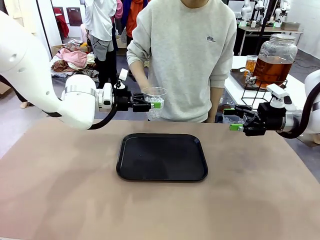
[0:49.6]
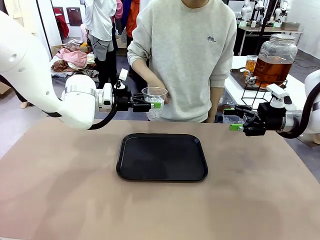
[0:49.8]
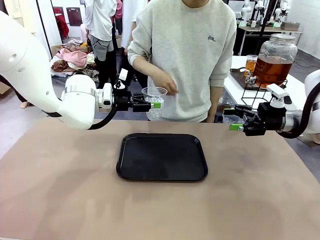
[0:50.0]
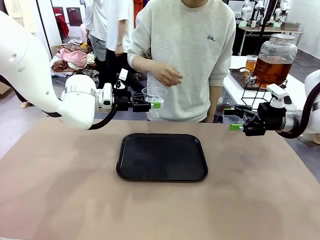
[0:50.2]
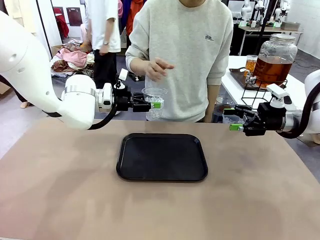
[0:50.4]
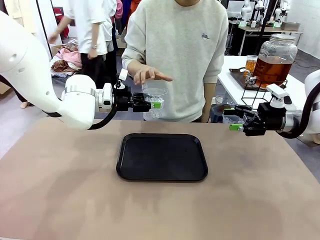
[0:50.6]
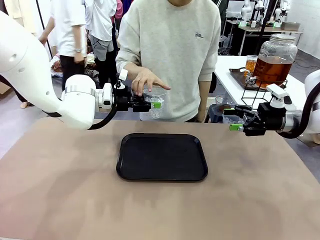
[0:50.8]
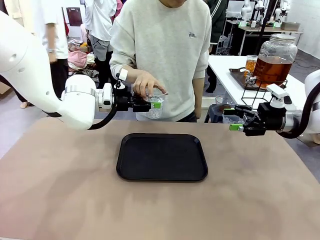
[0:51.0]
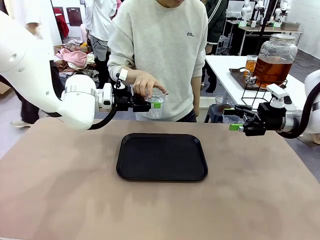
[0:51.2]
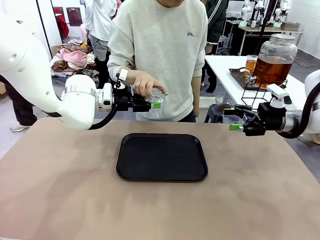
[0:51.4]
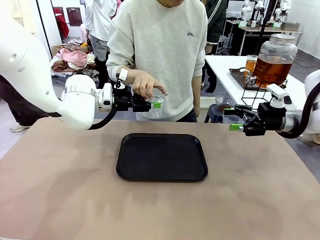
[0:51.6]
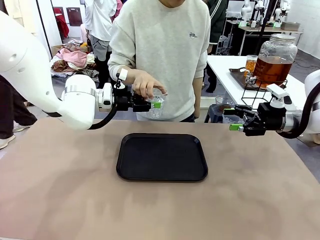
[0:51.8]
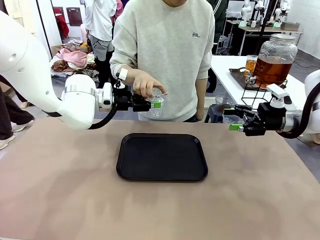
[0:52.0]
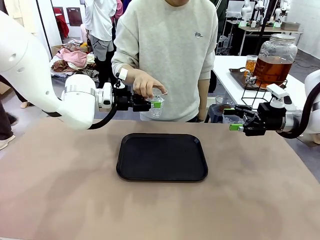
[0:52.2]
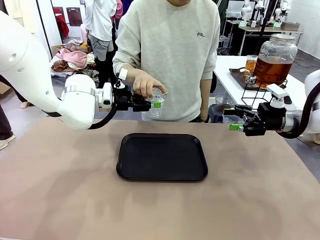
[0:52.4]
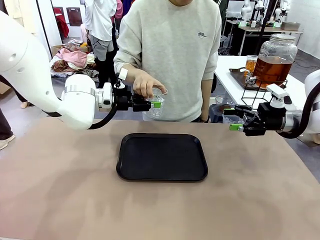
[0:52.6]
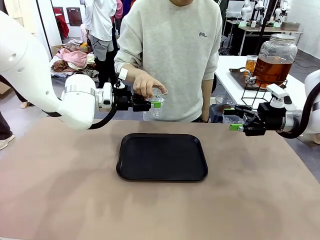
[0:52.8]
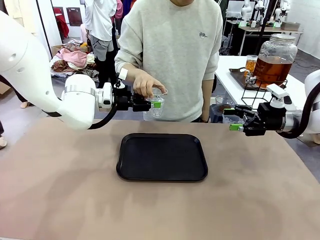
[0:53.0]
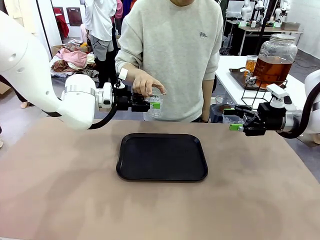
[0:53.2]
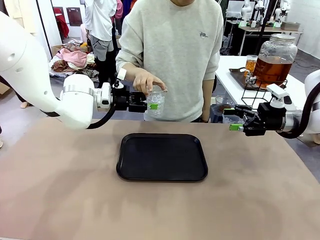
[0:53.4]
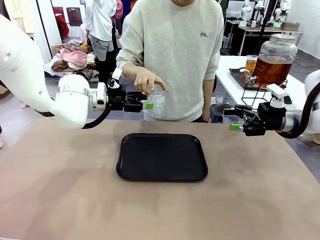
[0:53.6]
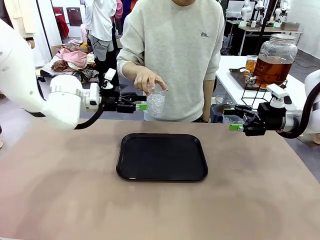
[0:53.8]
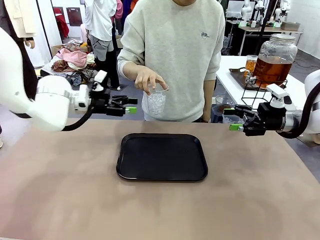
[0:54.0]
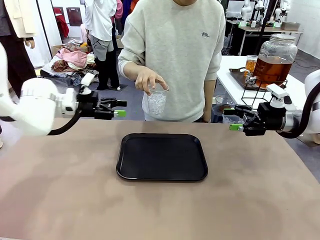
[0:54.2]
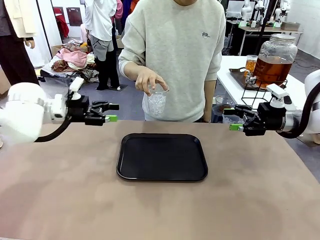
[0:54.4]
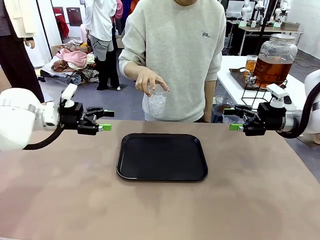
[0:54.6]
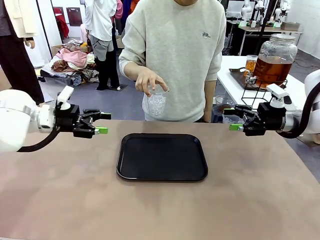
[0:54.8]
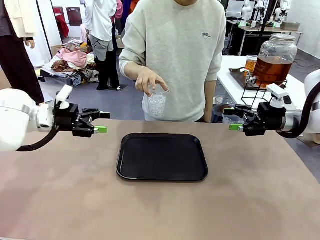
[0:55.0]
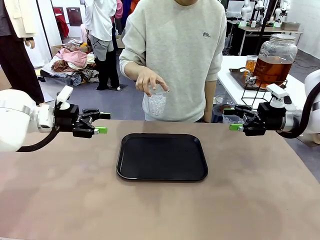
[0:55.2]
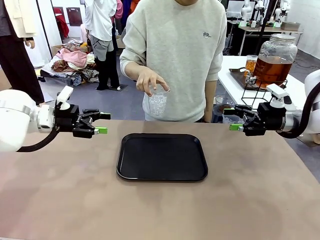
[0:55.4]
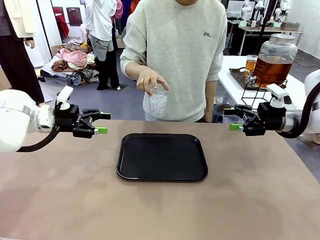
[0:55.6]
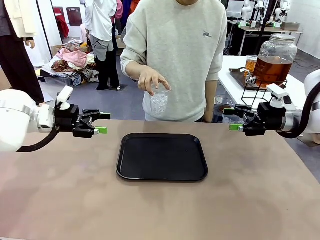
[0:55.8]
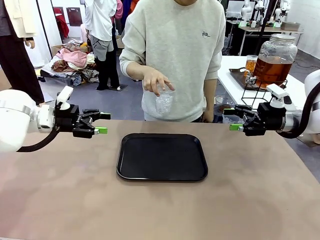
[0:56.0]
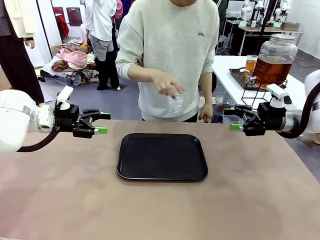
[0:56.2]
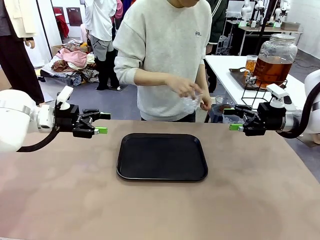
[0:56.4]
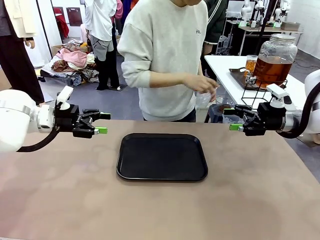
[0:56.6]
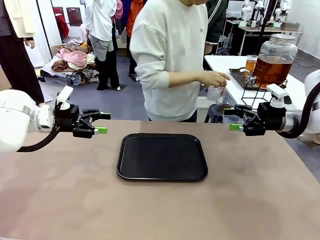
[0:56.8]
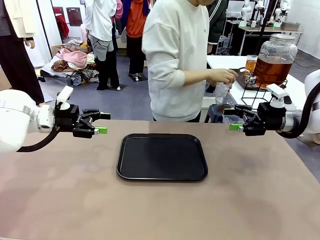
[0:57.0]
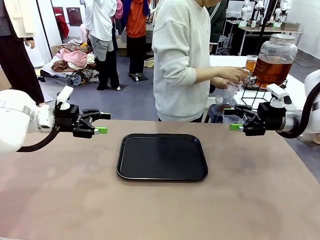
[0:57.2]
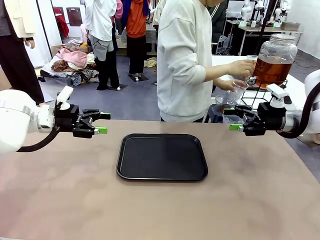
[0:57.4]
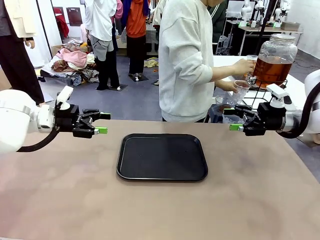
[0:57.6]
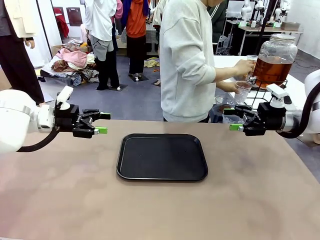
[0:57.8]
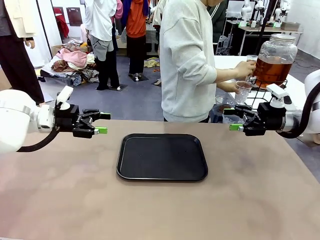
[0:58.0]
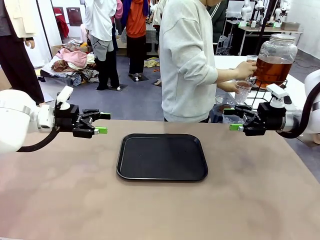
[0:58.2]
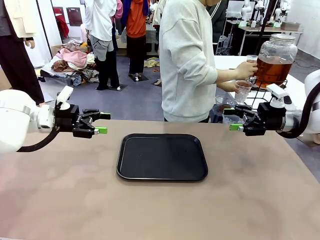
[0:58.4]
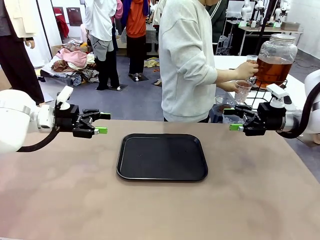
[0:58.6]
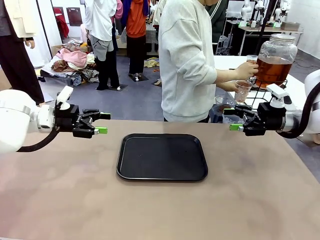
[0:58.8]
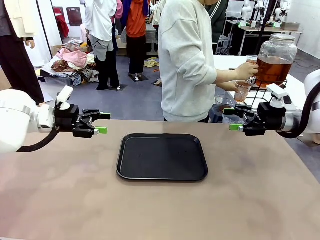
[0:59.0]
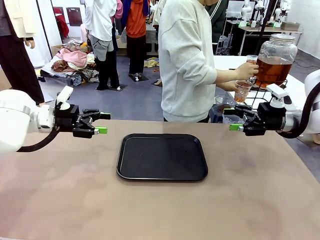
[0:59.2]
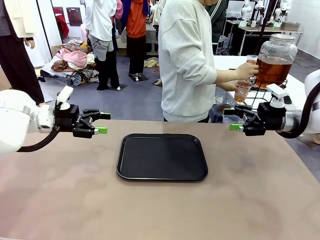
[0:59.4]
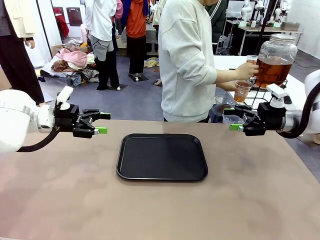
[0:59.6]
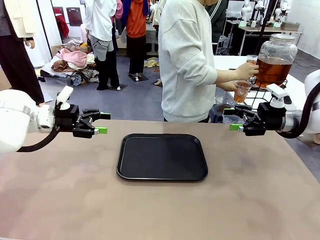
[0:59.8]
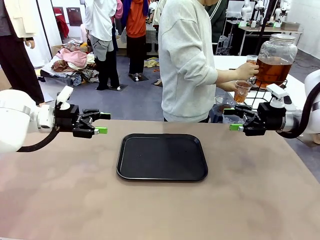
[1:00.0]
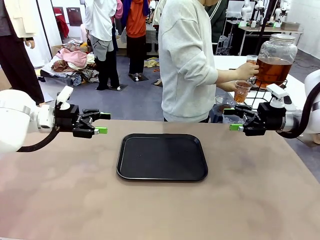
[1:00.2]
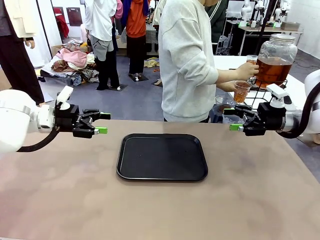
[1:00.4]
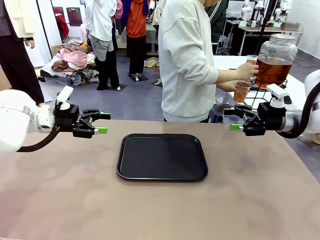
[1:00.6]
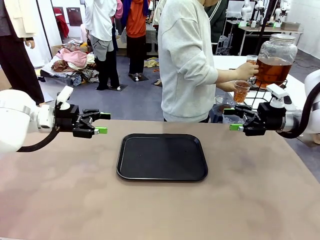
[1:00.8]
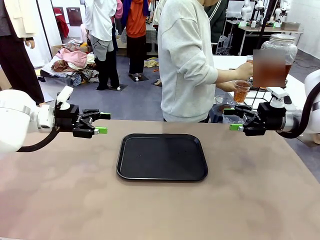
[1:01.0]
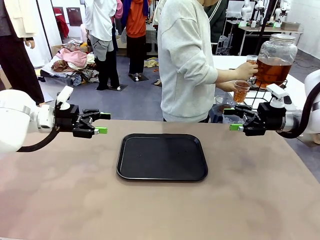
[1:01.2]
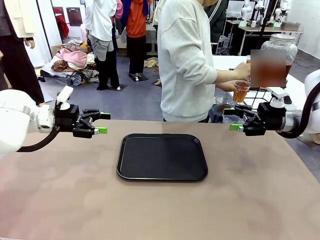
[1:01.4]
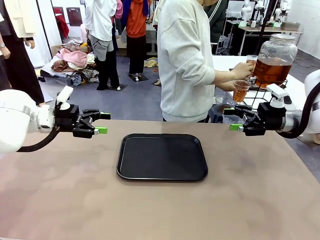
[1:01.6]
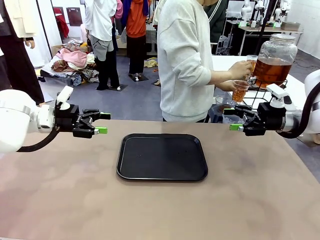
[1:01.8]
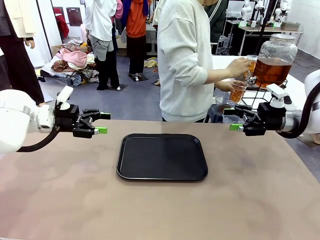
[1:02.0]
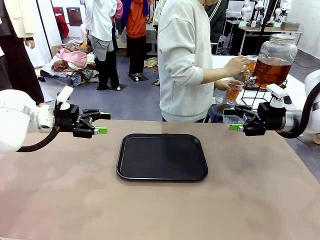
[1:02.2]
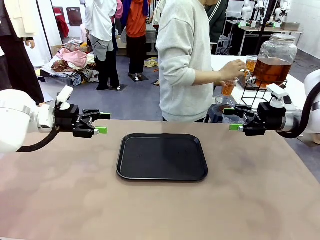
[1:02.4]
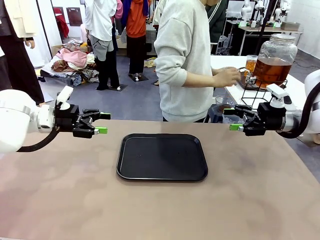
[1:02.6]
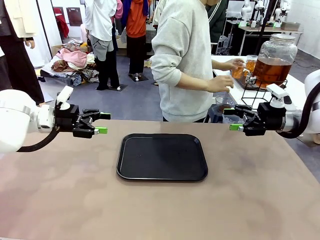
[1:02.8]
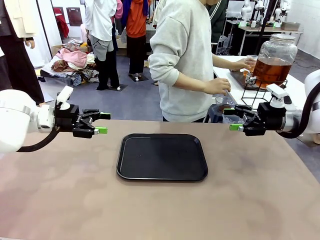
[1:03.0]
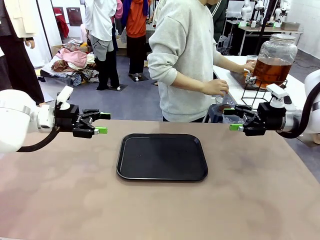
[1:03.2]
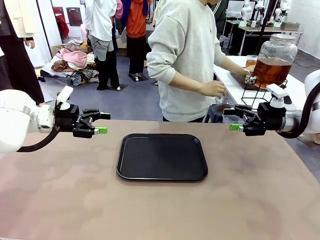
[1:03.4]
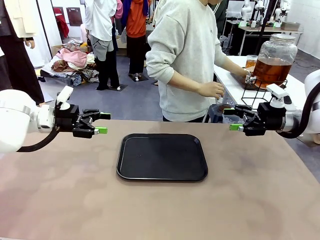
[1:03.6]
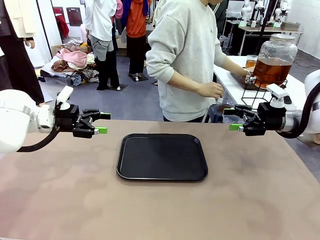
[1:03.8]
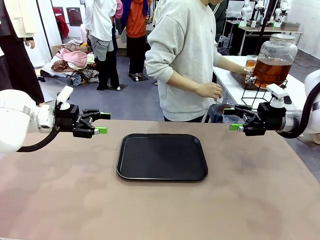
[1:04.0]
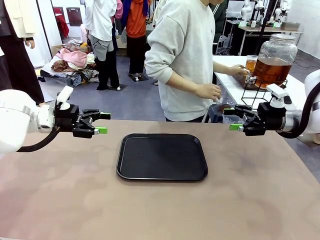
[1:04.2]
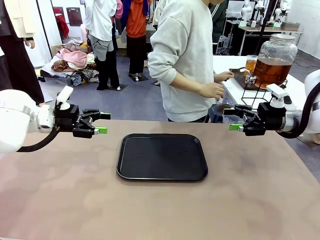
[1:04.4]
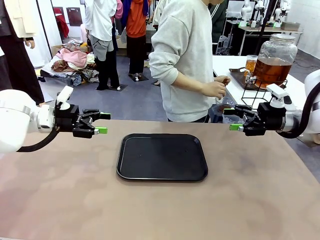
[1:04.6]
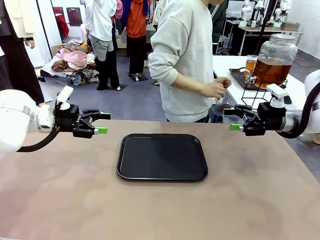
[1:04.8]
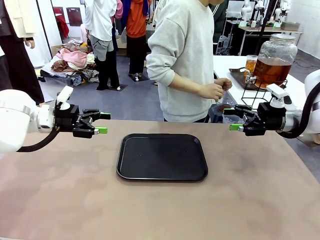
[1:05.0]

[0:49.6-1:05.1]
Task: Pour the drink into the iced cup.
Robot: Open the gripper to release the iced cup you were holding.
Person: Move the picked-up cup under the dispenser faucet, pour the drink, and place it on the tray on the human table.
